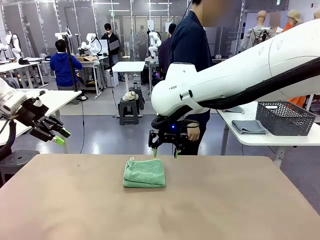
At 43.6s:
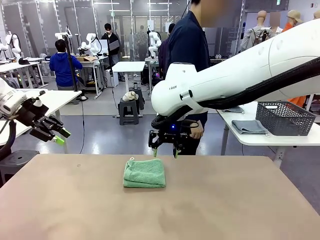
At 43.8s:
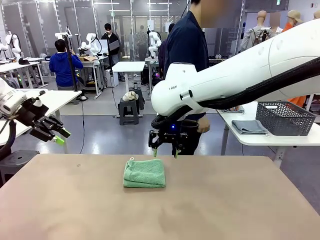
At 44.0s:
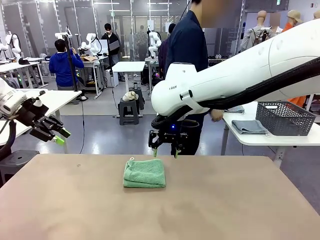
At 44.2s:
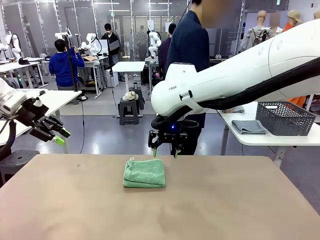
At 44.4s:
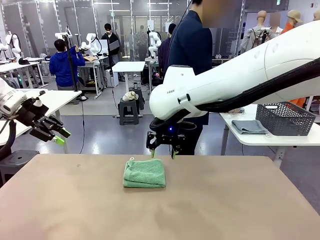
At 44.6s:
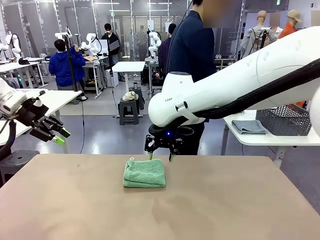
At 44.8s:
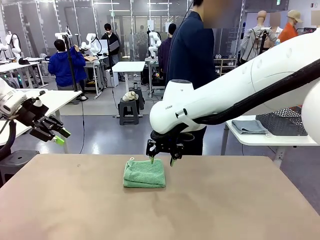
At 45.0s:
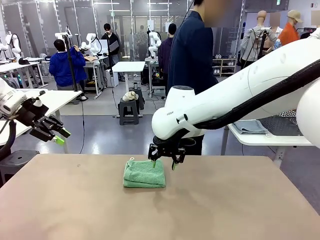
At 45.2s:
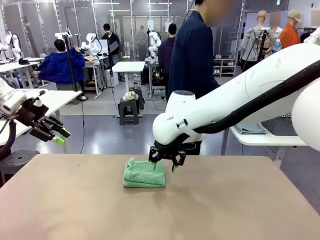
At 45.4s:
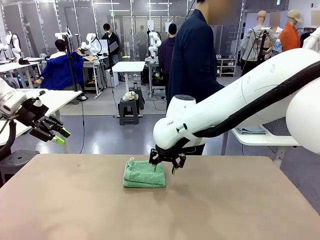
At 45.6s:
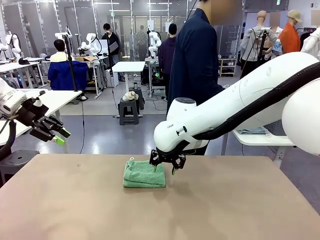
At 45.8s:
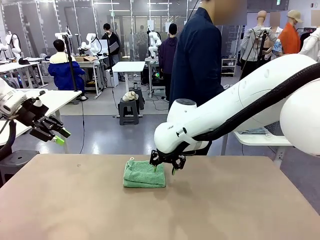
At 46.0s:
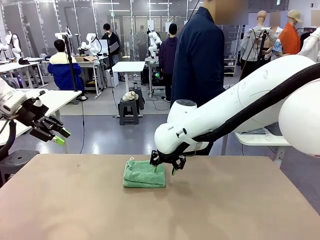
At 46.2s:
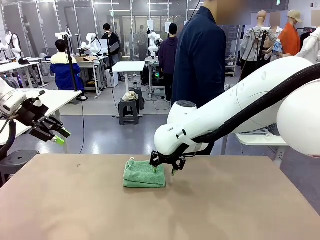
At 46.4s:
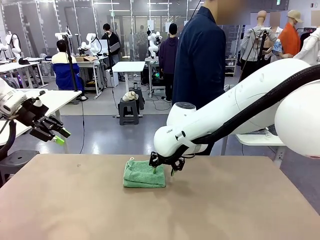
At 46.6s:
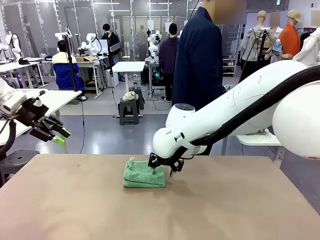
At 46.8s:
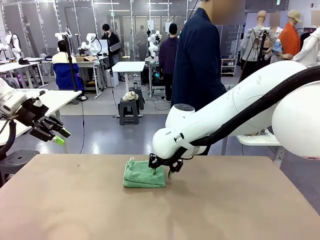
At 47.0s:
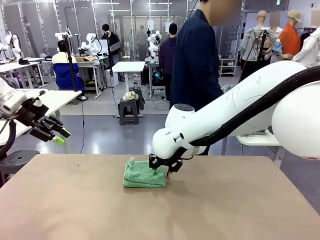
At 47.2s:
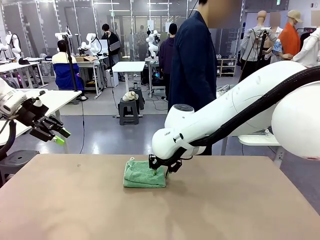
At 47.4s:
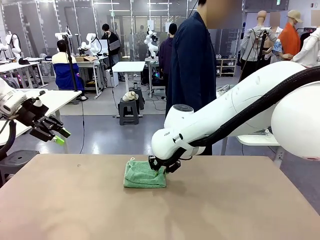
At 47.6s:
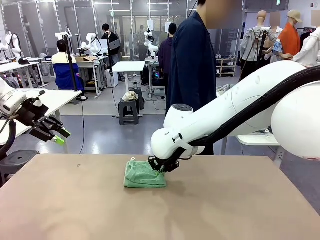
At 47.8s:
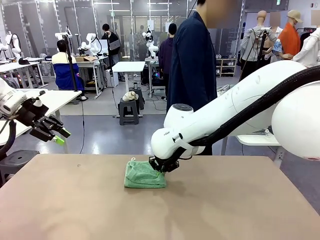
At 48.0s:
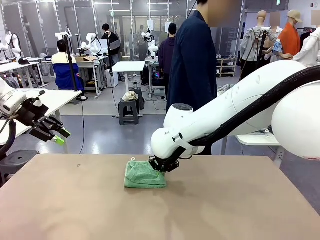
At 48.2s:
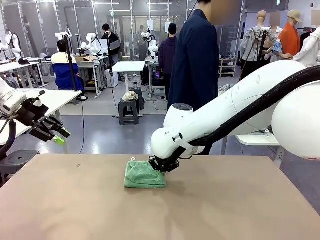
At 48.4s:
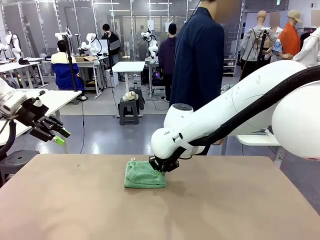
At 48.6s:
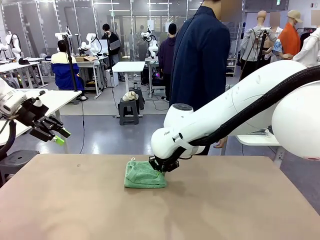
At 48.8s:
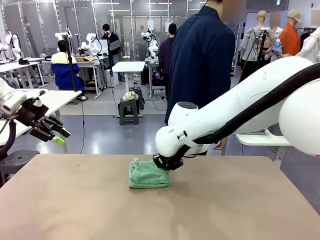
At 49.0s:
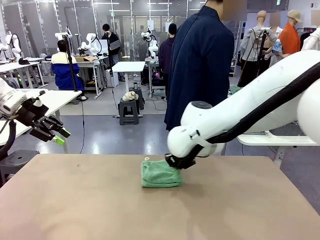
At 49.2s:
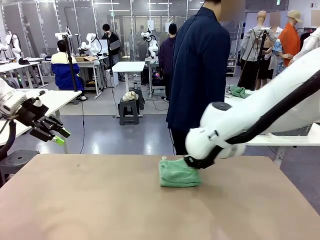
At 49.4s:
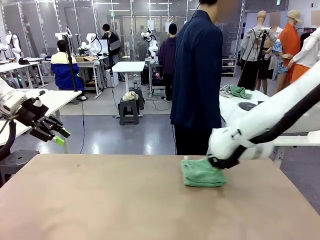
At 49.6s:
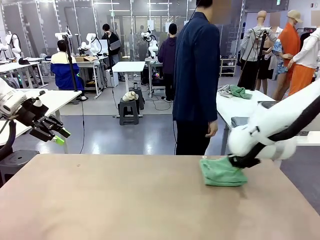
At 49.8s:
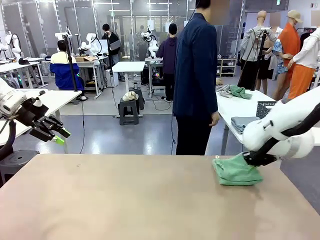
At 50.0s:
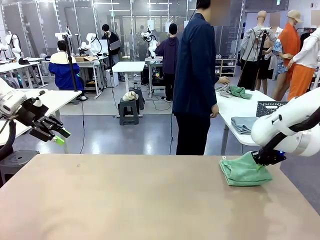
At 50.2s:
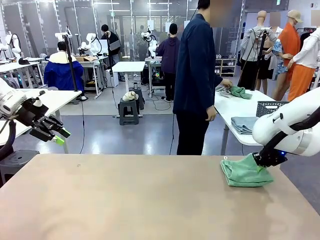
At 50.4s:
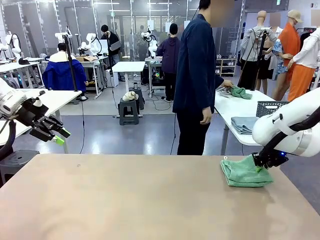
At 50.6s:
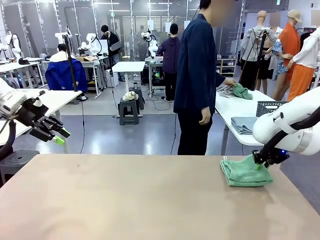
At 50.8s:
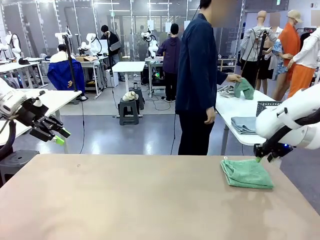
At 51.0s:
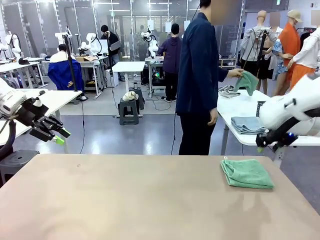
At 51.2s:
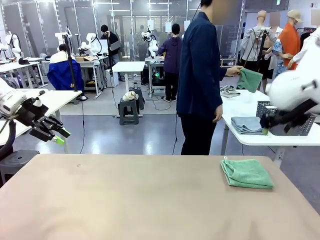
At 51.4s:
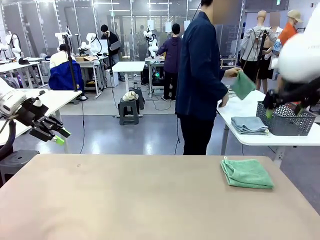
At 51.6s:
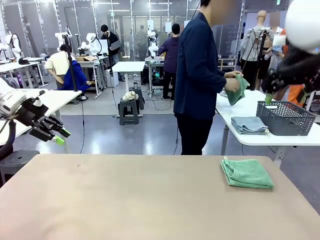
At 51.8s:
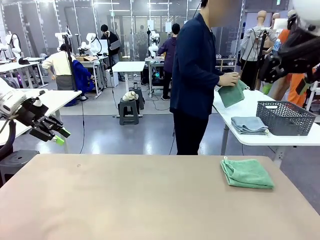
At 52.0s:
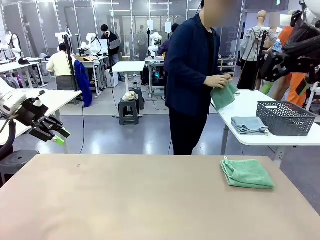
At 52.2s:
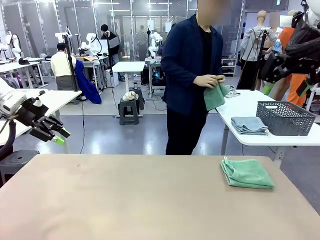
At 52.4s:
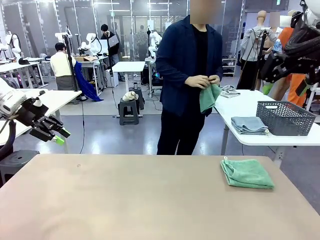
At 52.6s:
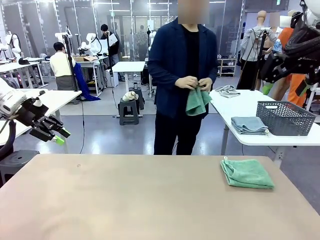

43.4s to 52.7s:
Task: Fold the towels and place them in the basket.
Robot: Place the folded Towel with hook on the right side of the table.
Person: Pick up one towel from the left side of the human table and spread it out at the center of the robot table.

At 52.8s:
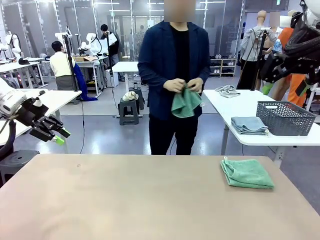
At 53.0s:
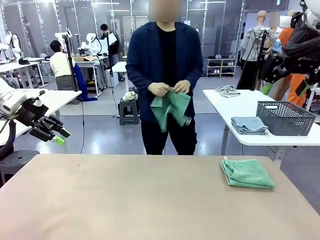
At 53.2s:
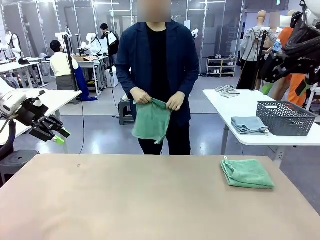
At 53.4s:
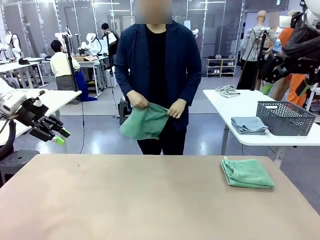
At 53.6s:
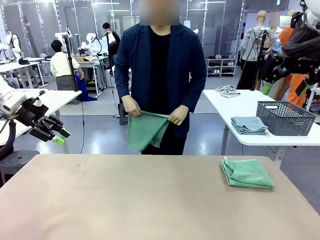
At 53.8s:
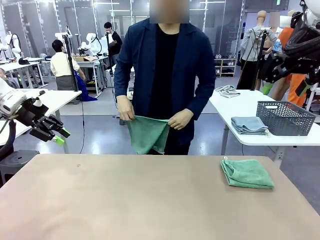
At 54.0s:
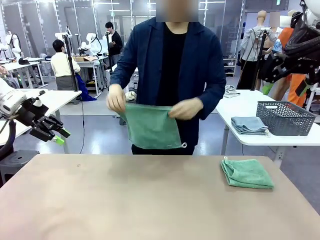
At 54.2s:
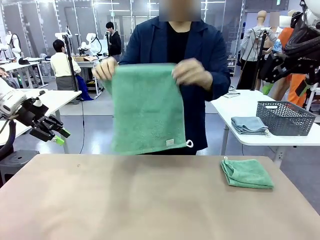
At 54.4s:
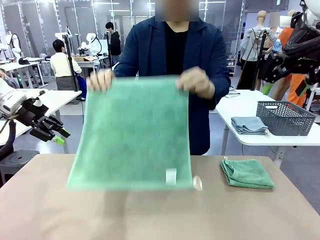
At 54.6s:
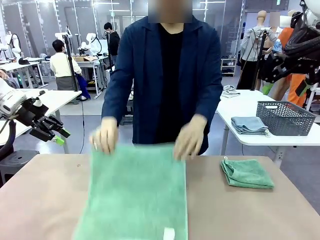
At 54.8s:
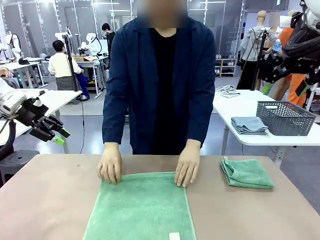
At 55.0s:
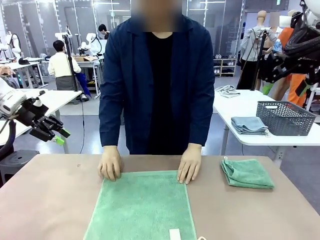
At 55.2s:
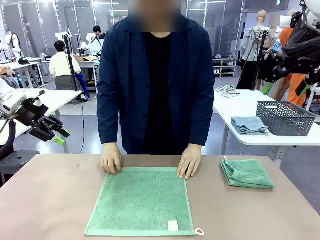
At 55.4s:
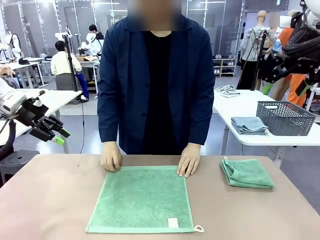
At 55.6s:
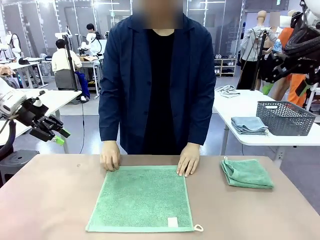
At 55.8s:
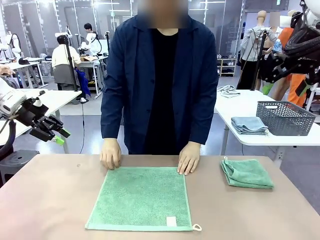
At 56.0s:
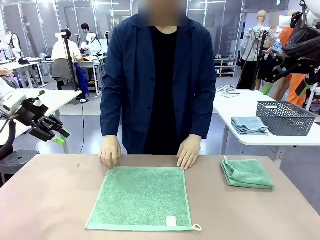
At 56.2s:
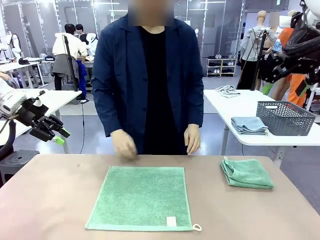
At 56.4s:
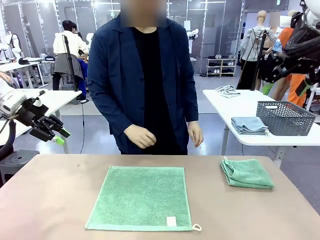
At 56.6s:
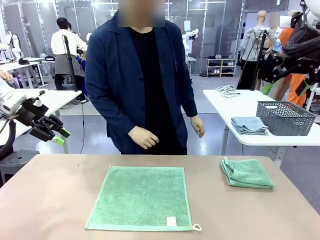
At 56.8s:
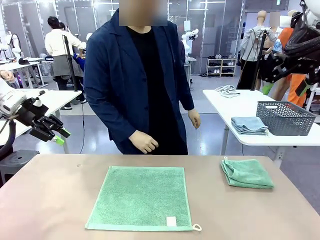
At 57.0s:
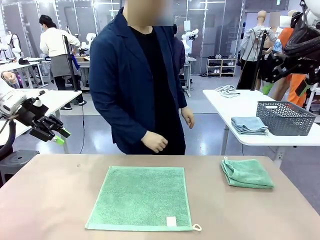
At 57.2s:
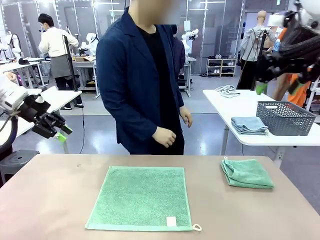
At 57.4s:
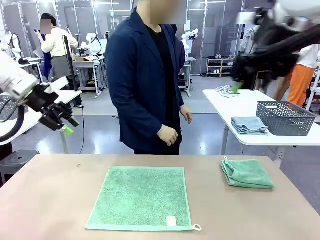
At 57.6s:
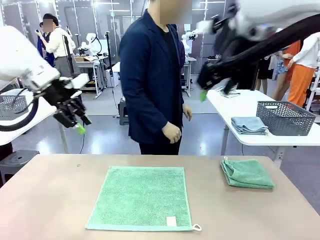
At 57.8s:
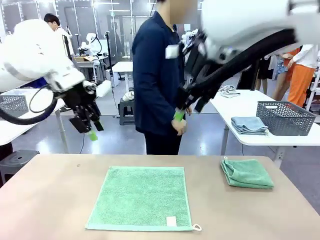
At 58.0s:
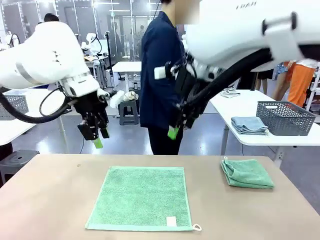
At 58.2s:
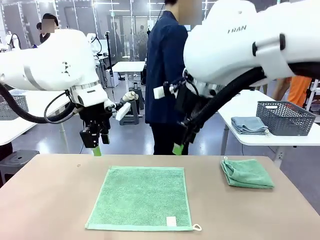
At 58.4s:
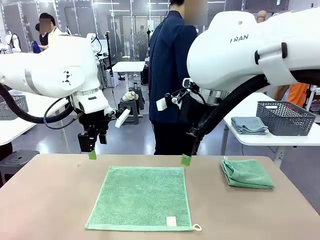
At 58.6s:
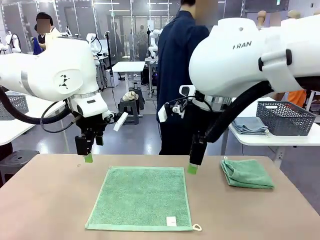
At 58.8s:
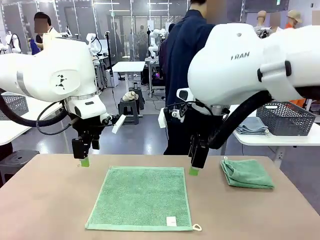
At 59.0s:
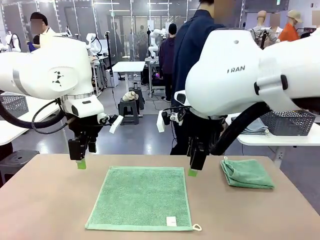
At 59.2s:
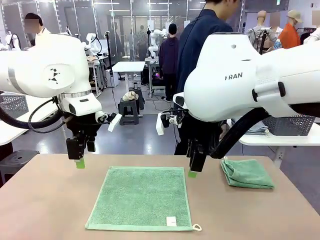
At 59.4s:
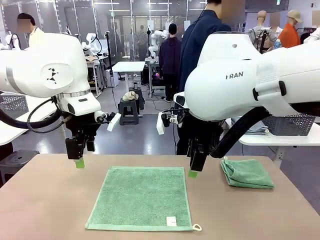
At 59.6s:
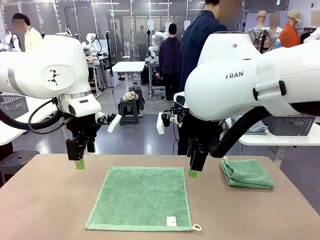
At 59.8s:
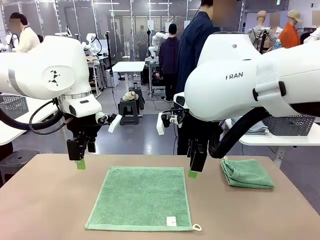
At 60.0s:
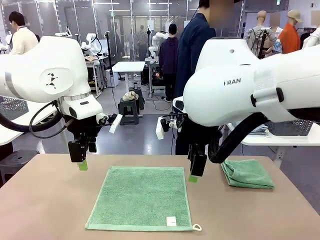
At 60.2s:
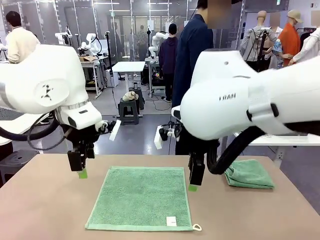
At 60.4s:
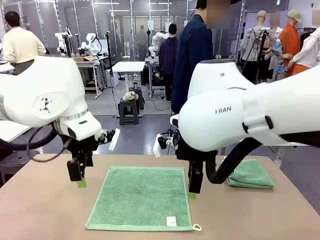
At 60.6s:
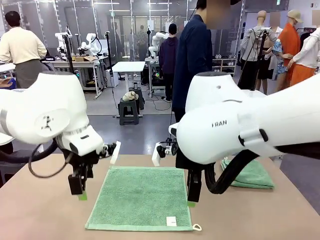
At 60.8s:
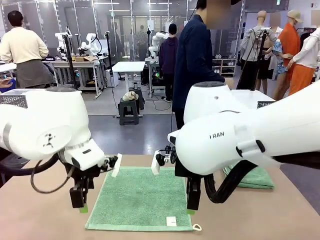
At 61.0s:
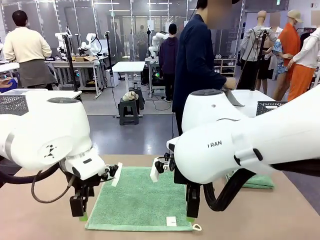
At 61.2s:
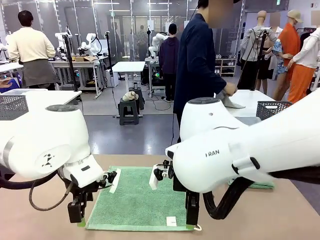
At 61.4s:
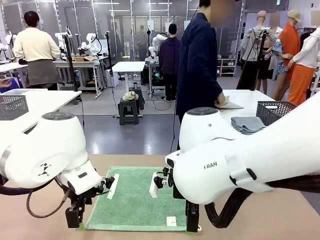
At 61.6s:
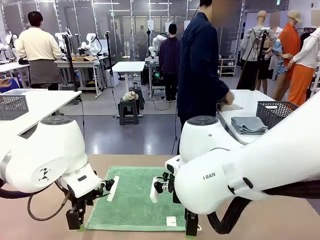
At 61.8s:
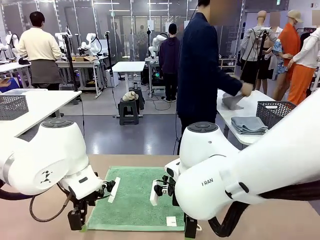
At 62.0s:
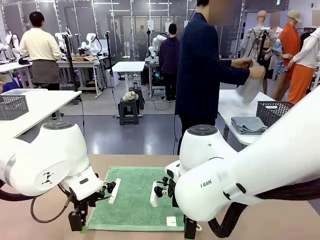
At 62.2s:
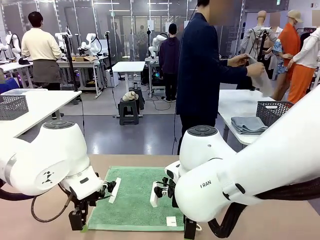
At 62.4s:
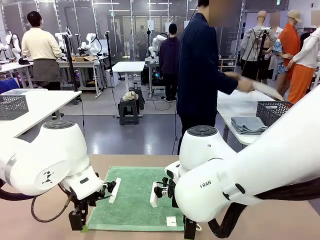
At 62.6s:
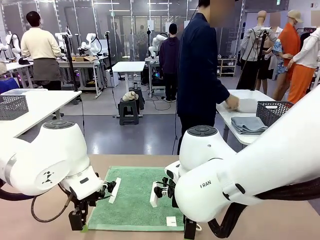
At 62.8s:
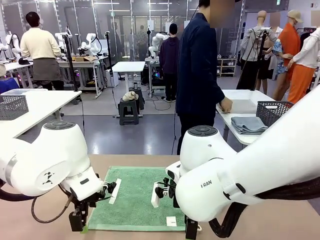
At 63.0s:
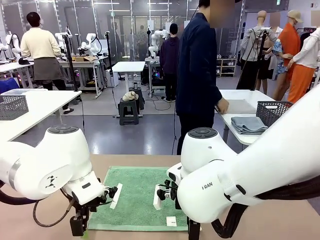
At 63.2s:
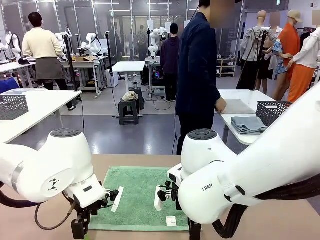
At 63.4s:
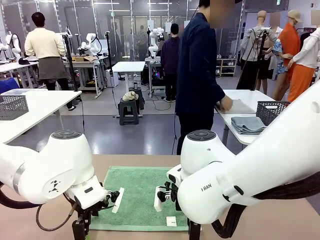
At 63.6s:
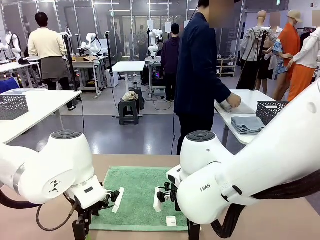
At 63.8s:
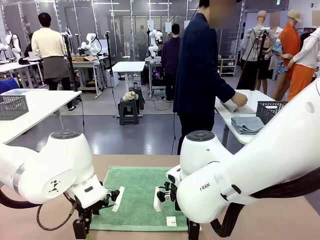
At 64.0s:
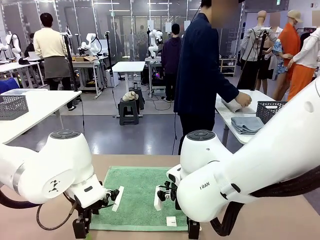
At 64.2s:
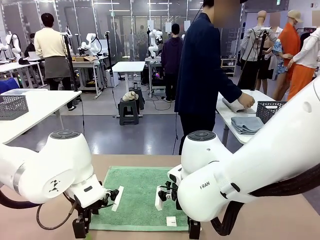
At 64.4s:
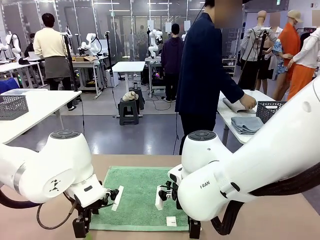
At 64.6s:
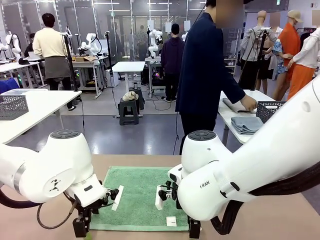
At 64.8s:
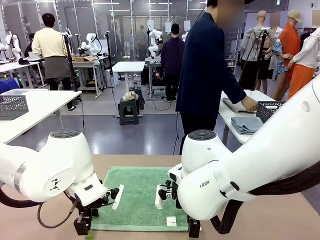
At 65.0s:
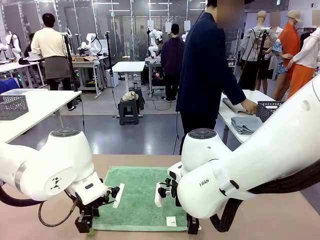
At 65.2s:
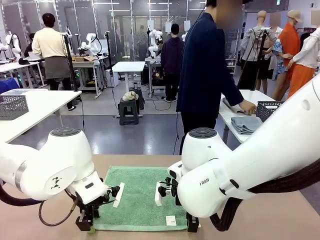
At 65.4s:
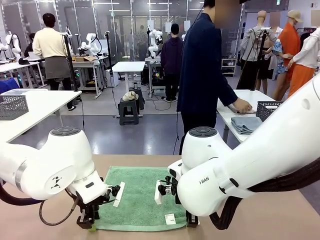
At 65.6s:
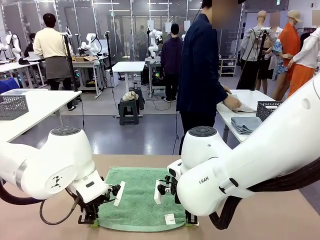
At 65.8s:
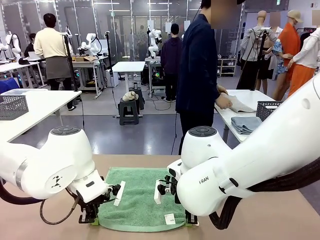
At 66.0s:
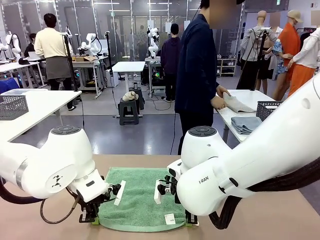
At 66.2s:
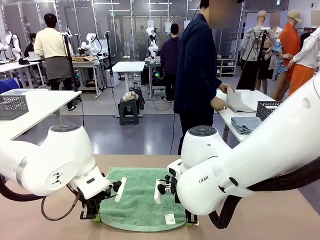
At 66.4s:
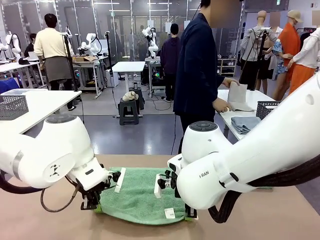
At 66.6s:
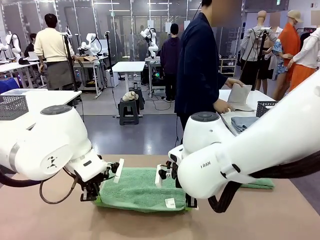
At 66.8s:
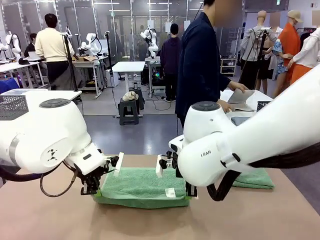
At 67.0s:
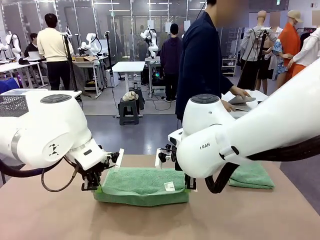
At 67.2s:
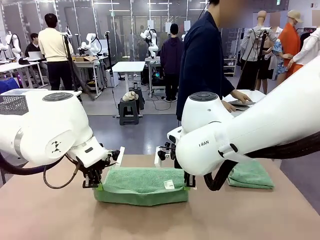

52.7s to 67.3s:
Robot: When a person lays out a Towel with hook on the table, fold it in half twice.
Person: Pick up one towel from the left side of the human table, fold it in half twice, and stack it on the right side of the table.
